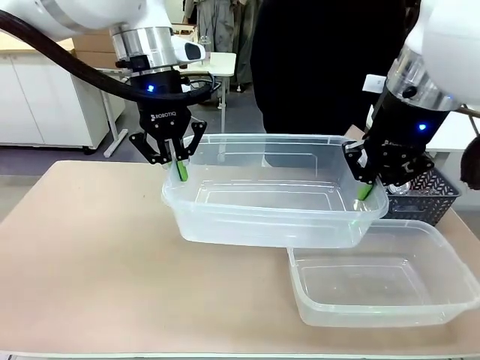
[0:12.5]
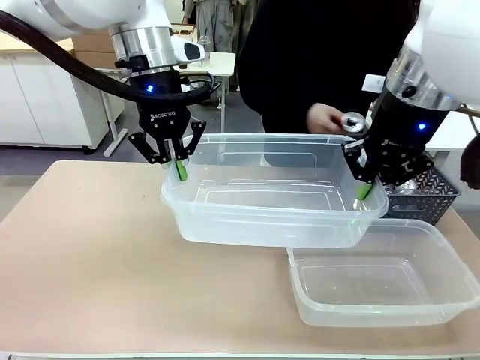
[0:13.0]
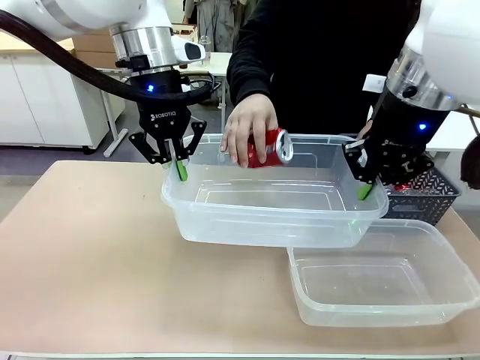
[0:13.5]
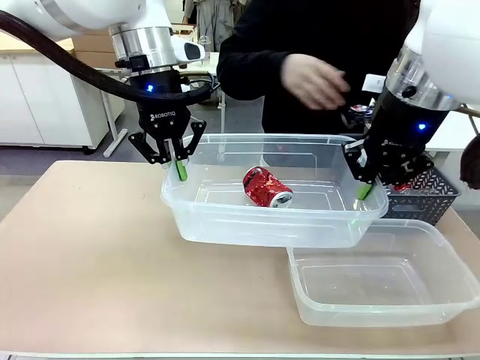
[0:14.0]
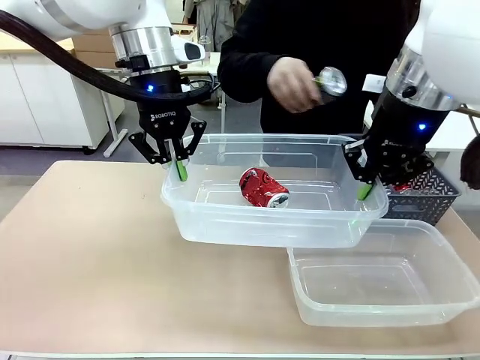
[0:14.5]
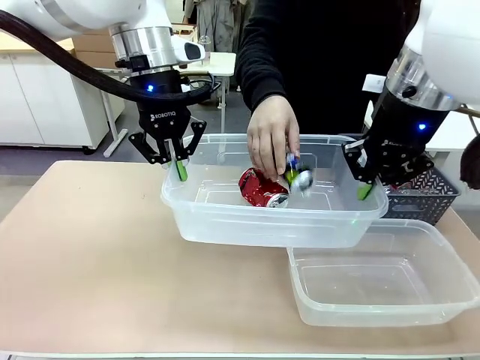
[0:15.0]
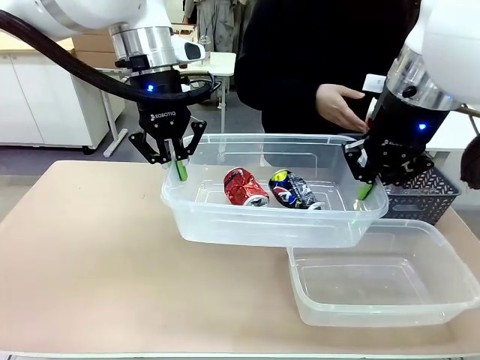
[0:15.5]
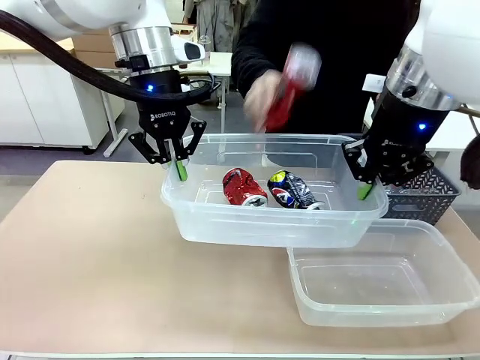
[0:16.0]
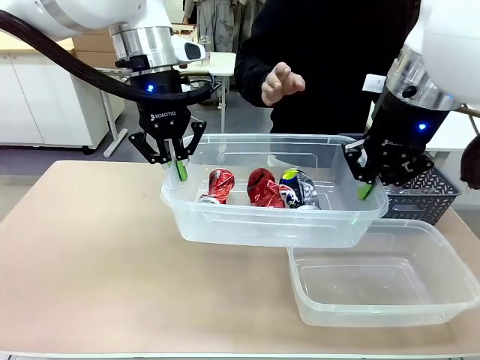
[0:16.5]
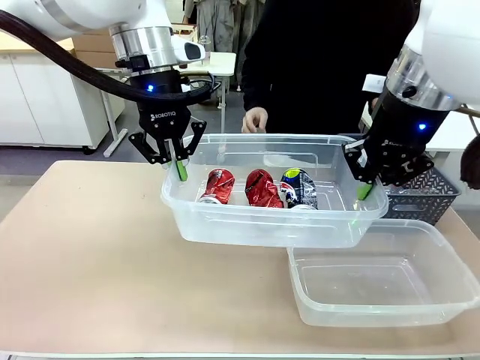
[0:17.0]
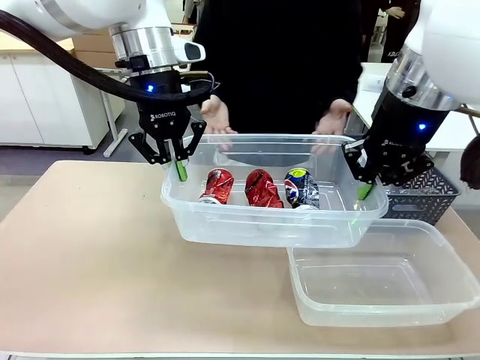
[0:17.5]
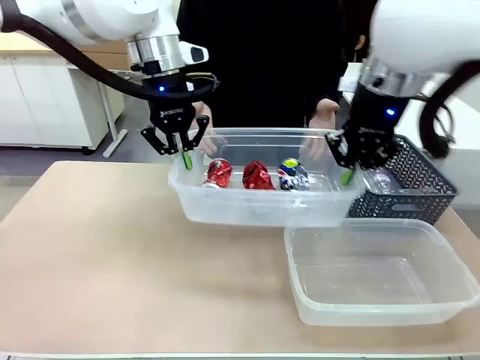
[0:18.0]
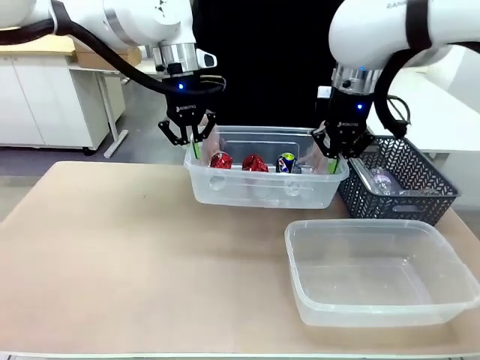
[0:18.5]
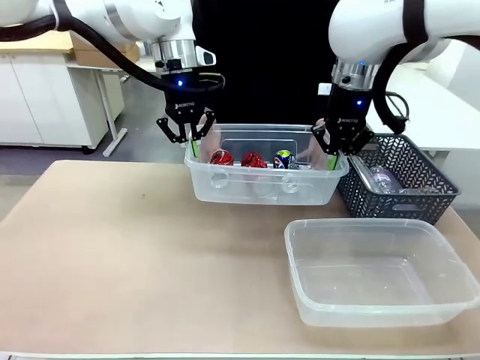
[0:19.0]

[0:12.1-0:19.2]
Robot: Offer the picked Organizing box to the human.

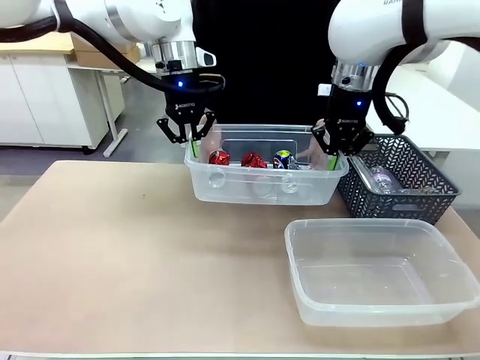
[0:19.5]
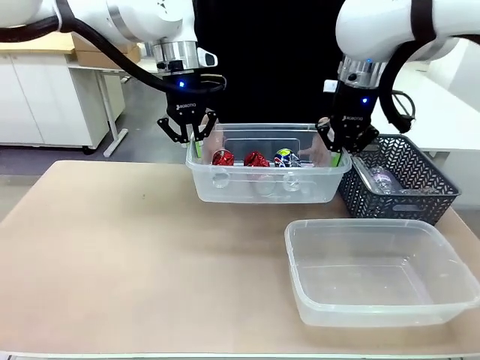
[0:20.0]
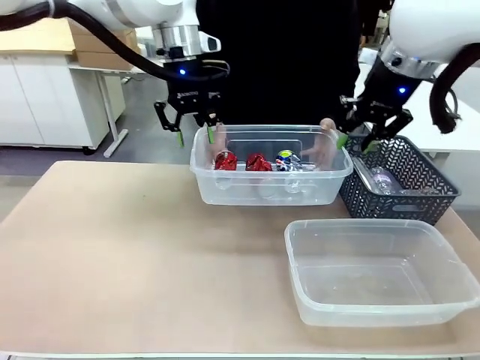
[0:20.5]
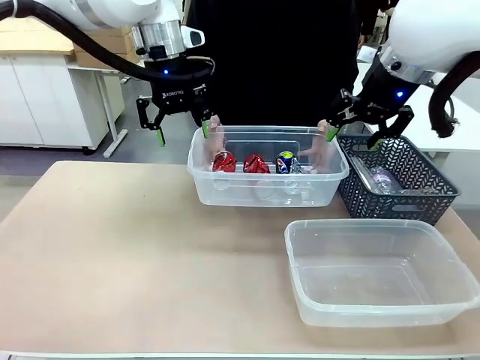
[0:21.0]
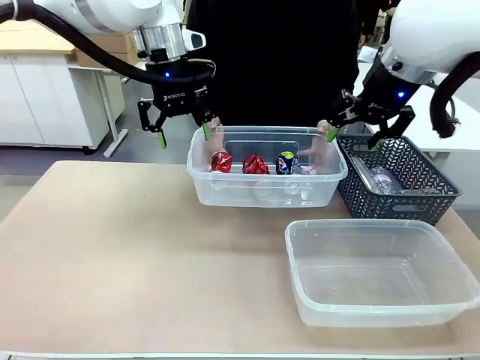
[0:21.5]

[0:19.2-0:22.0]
Robot: Release the Organizing box you were holding.

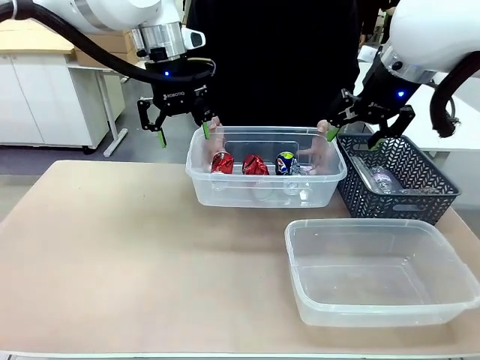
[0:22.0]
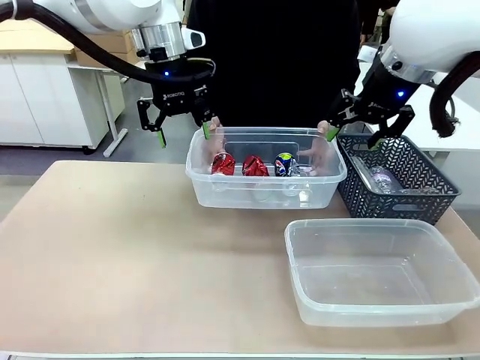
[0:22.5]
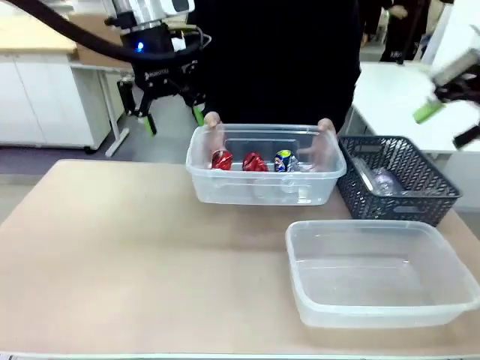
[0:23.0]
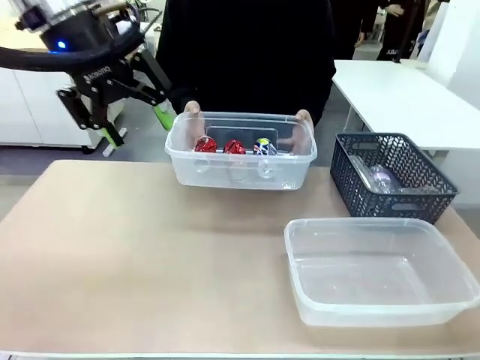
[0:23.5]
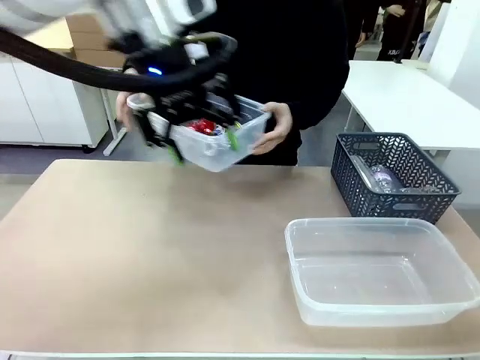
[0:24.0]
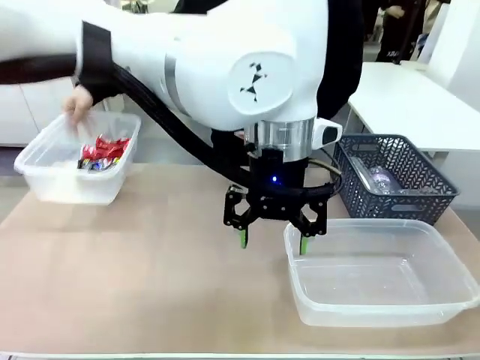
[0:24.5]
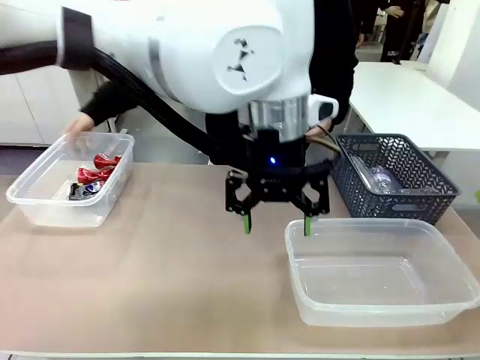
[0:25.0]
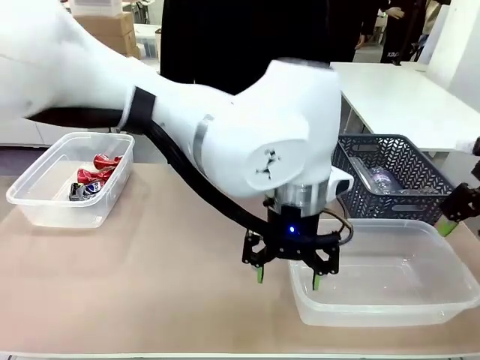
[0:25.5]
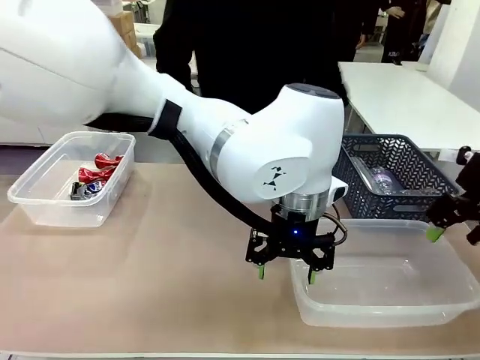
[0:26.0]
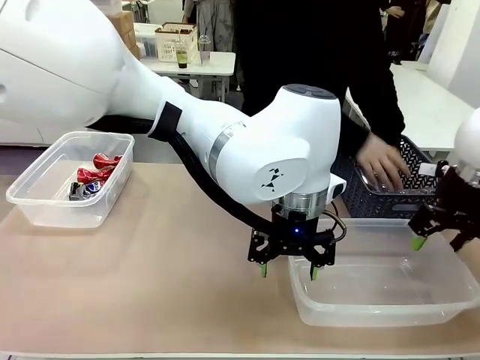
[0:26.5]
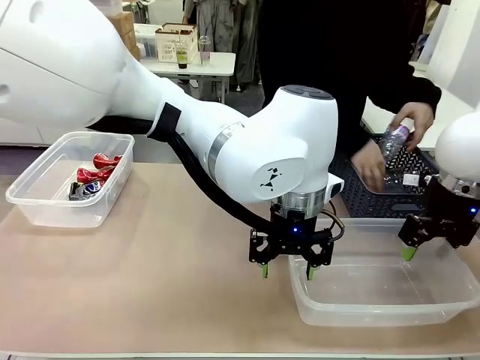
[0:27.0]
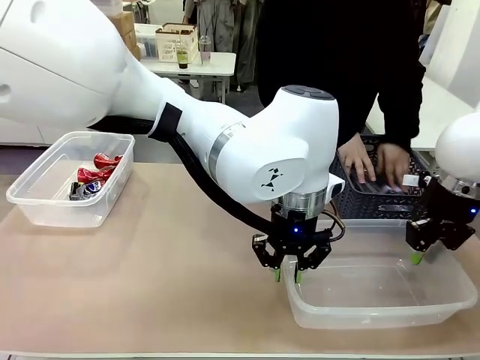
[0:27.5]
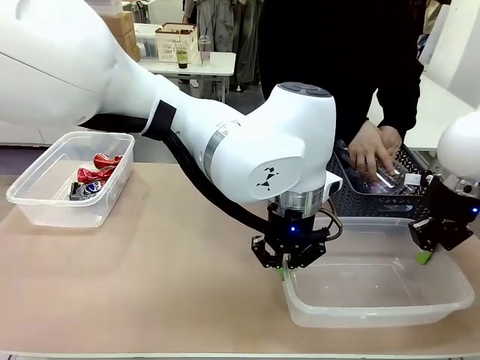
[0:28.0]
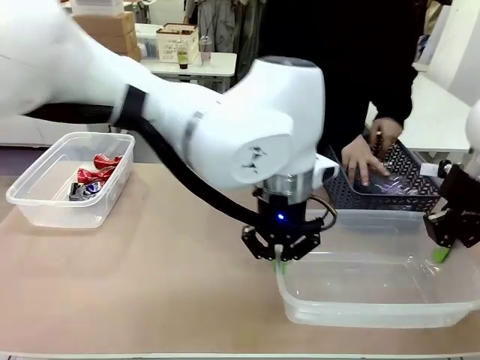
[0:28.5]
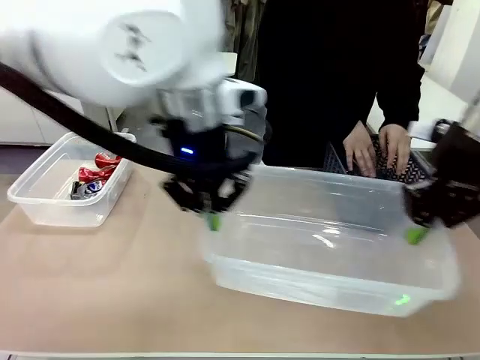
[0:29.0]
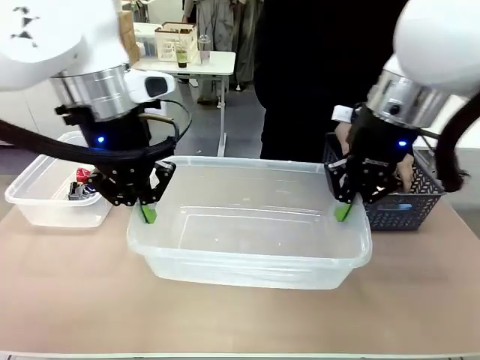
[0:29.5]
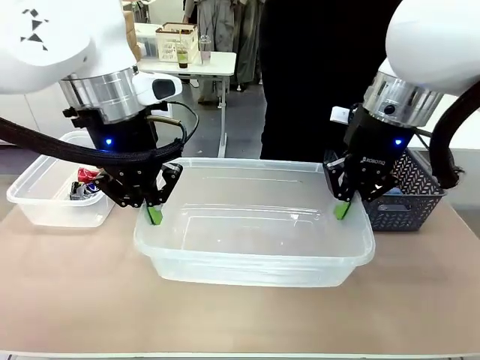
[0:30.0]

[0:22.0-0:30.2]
Robot: Pick up the Organizing box on the right side of the table and lift it.
Person: Place it at the edge of the bottom right area of the robot table. Pick up plastic waste one by one and place it into the organizing box lifted by the robot.

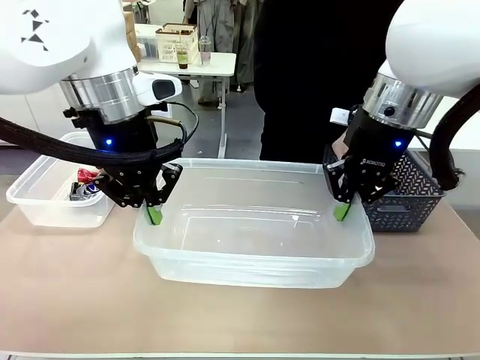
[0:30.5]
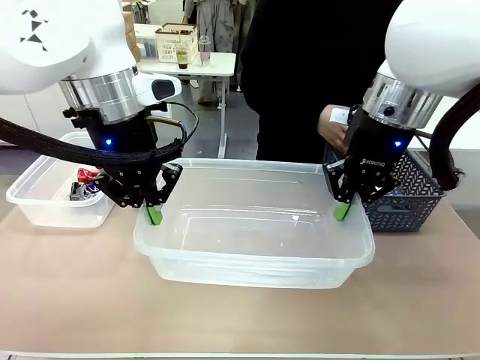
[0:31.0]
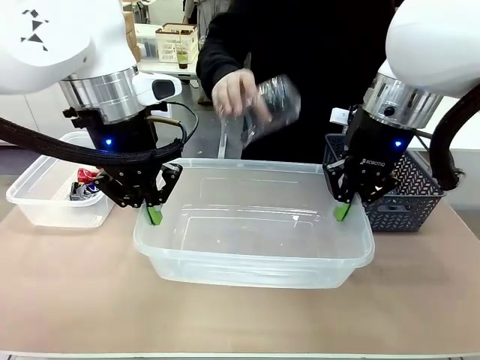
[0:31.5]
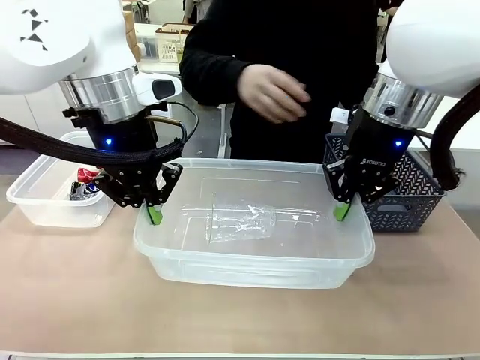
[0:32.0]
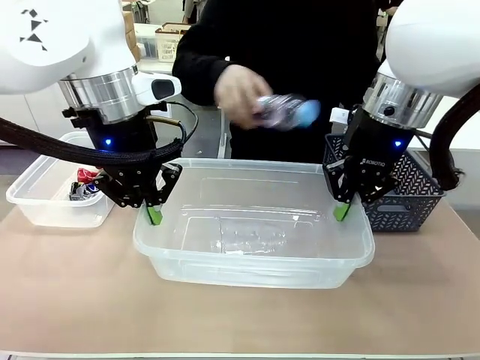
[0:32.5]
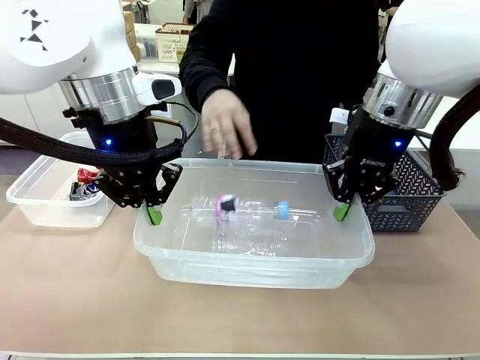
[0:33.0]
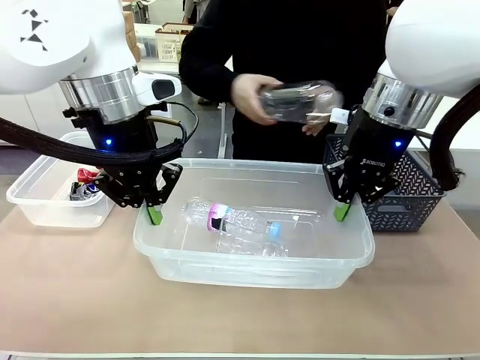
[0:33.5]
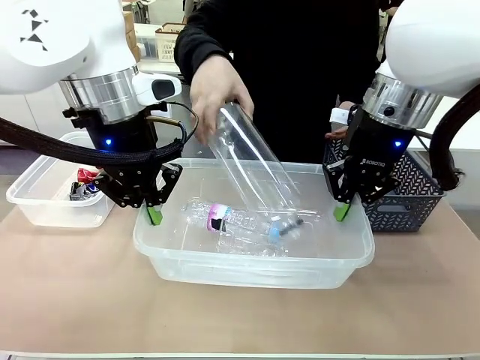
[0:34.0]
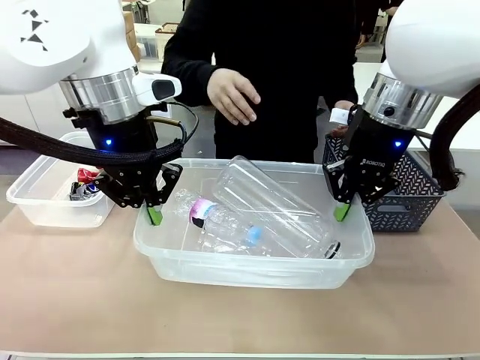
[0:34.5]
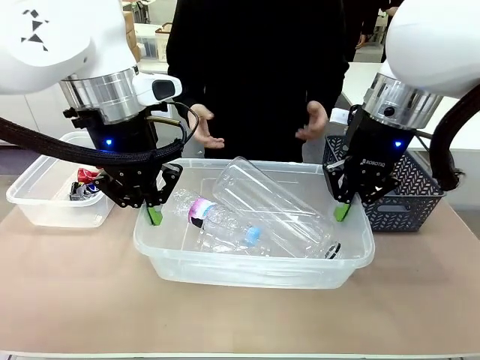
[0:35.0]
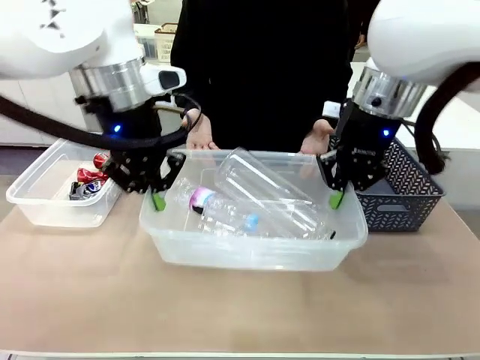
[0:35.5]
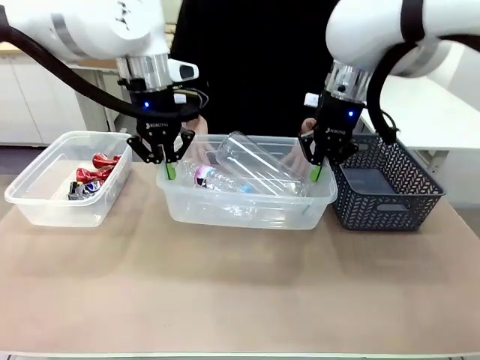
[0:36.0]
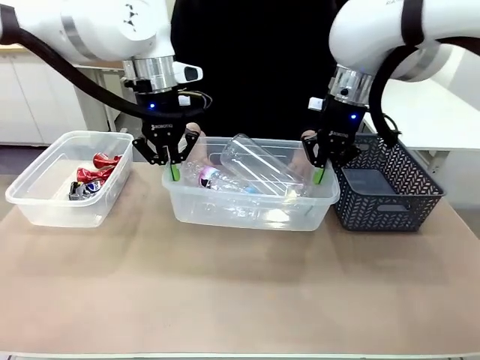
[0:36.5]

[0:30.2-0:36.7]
Robot: Offer the picked Organizing box to the human.

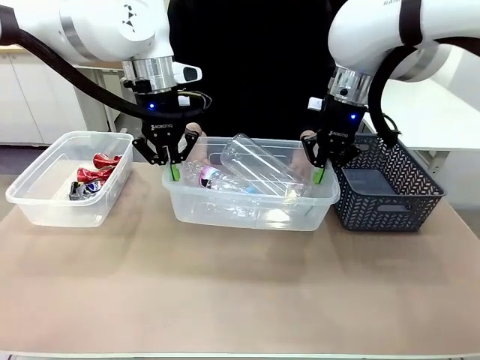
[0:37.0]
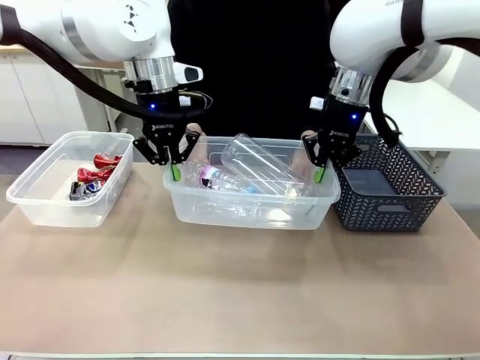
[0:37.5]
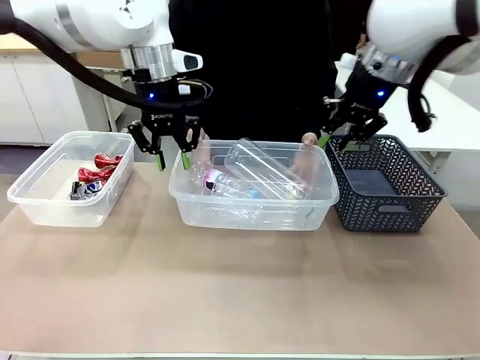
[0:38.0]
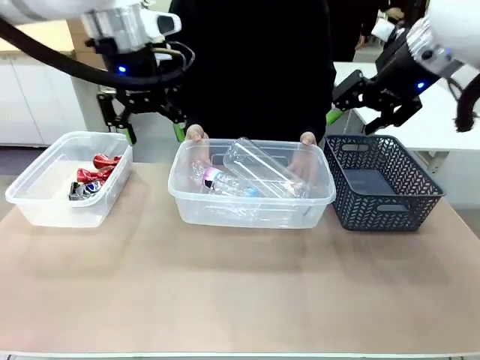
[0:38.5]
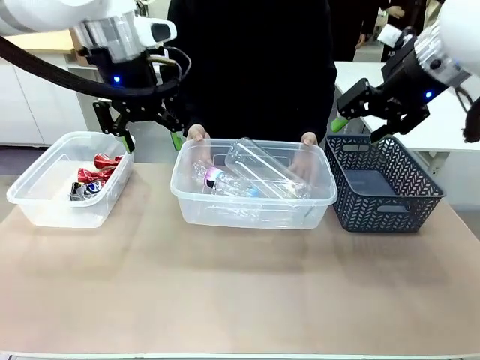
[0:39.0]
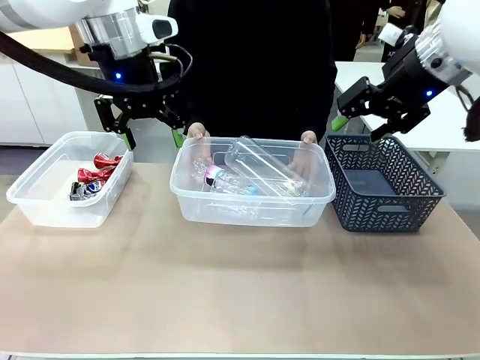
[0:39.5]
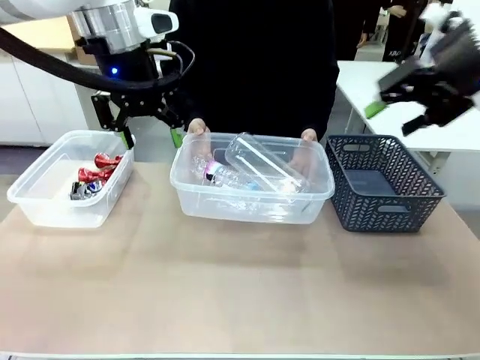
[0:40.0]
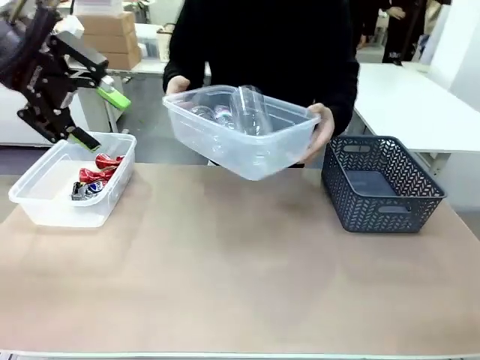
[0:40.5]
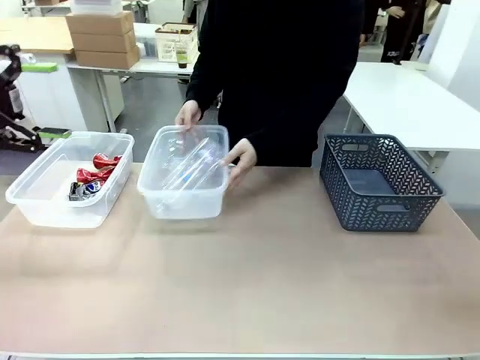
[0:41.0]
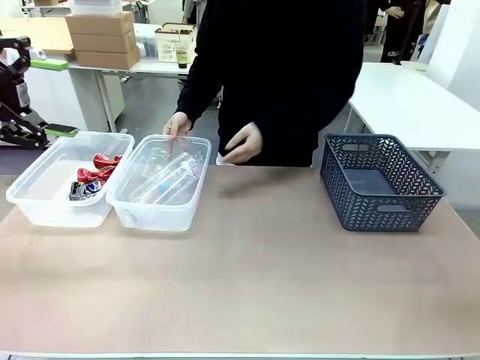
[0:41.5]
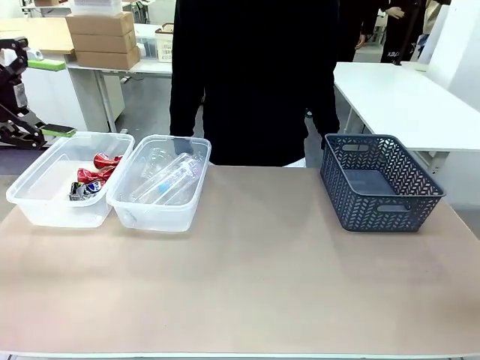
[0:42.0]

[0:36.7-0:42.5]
Robot: Release the Organizing box you were holding.
Person: Pick up the organizing box extended by the robot. Place the organizing box to the left of the sorting box containing the can waste.
